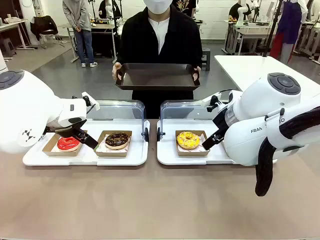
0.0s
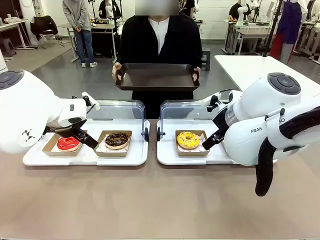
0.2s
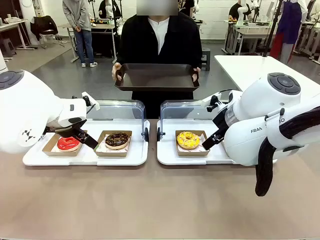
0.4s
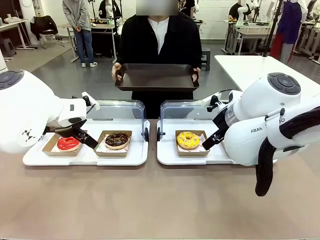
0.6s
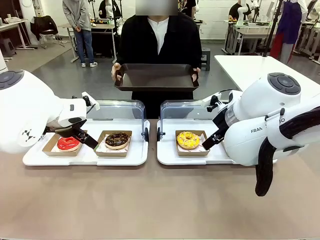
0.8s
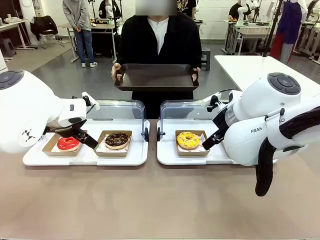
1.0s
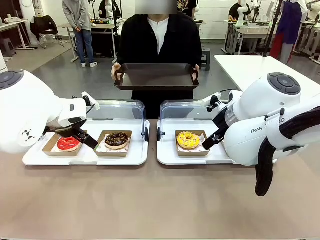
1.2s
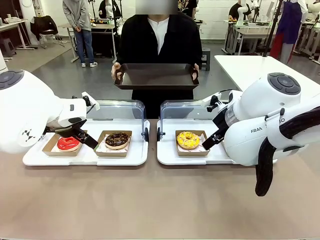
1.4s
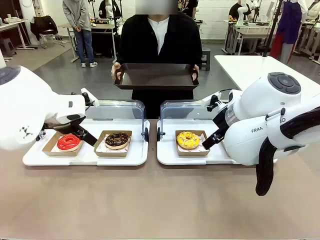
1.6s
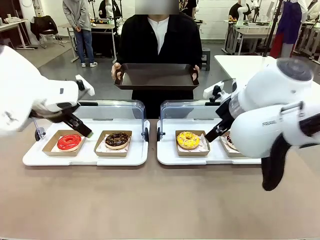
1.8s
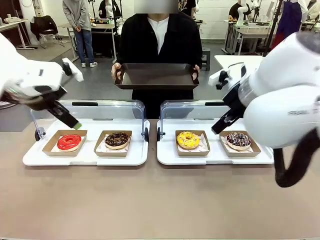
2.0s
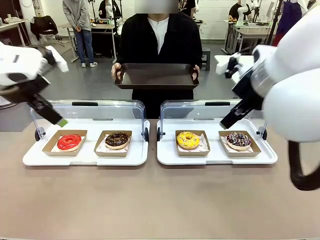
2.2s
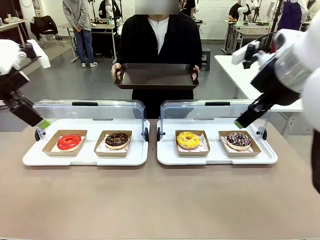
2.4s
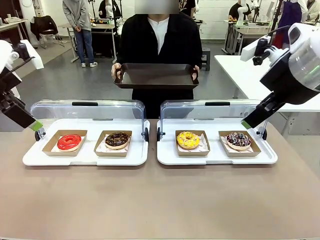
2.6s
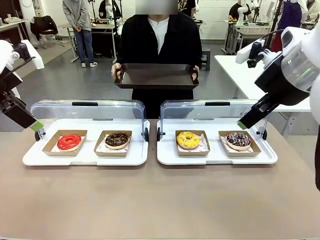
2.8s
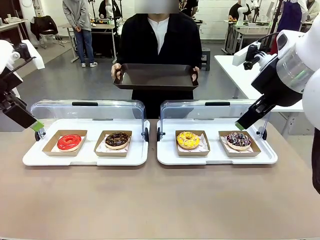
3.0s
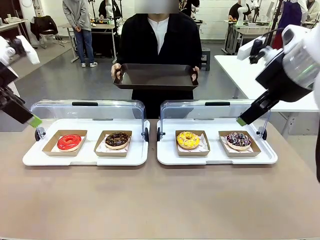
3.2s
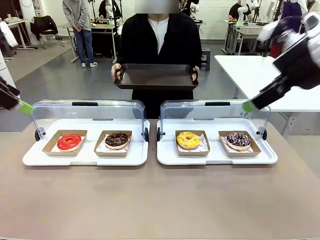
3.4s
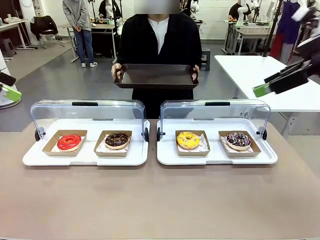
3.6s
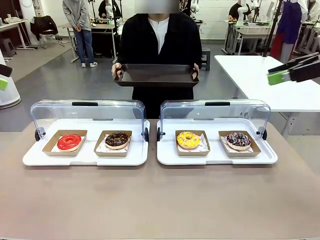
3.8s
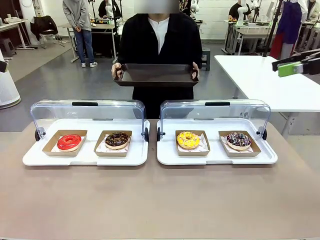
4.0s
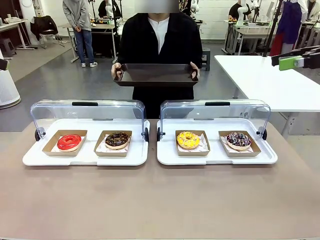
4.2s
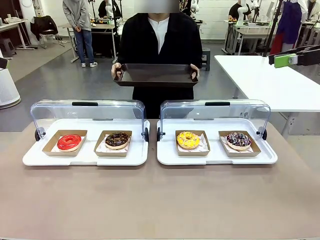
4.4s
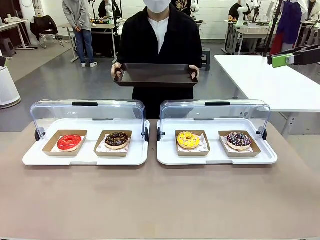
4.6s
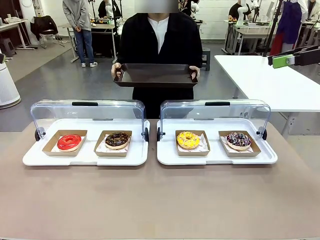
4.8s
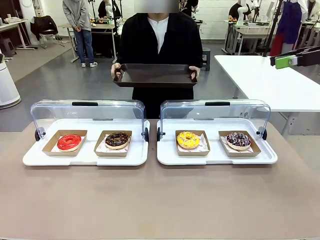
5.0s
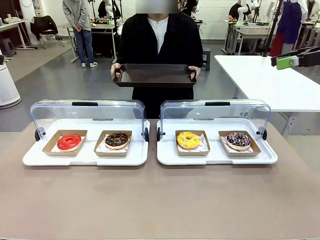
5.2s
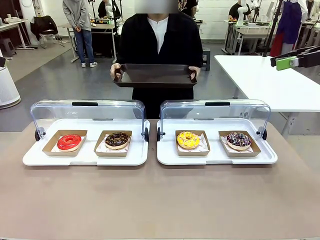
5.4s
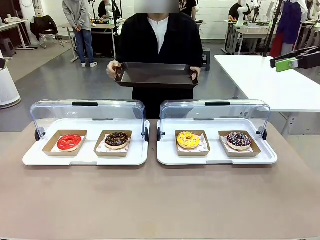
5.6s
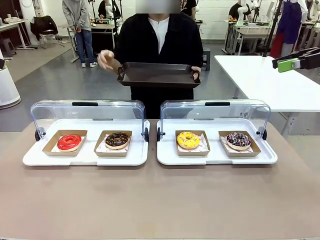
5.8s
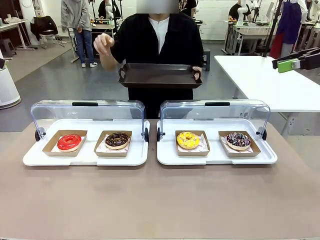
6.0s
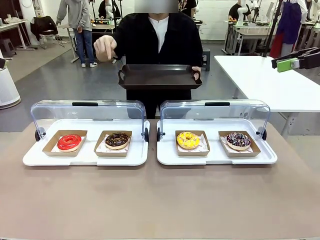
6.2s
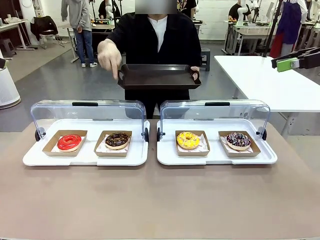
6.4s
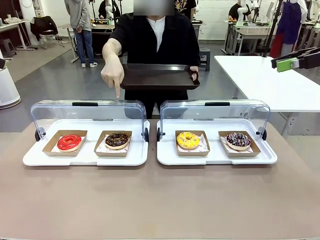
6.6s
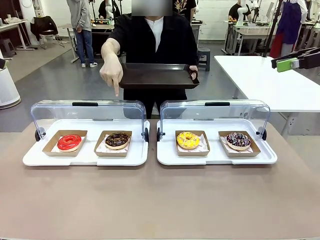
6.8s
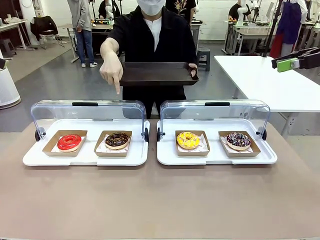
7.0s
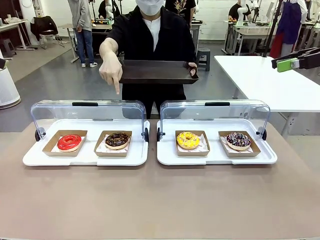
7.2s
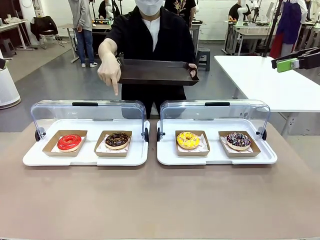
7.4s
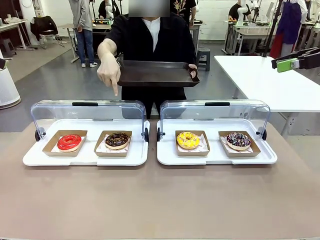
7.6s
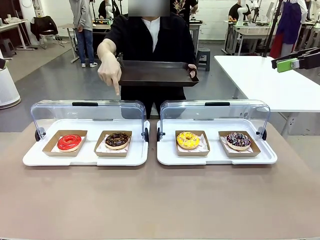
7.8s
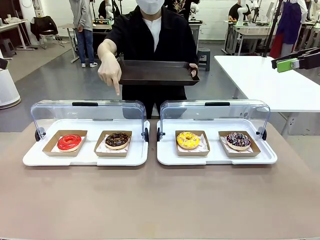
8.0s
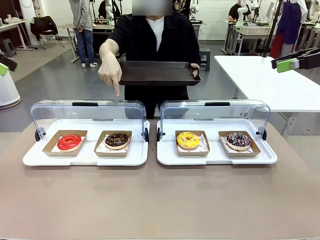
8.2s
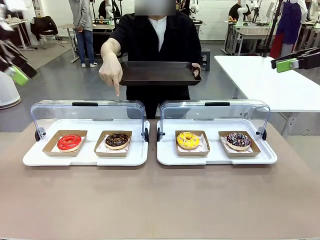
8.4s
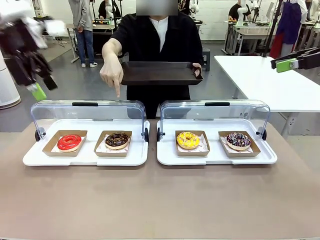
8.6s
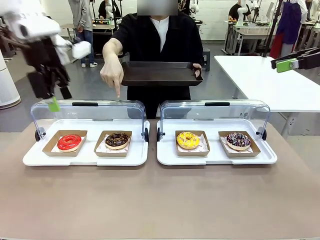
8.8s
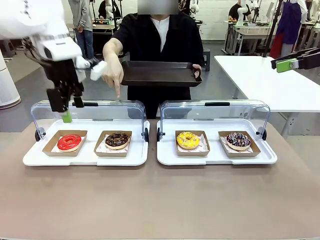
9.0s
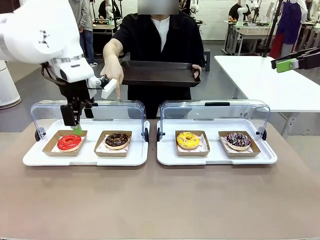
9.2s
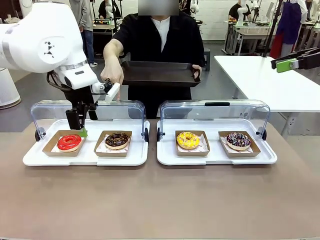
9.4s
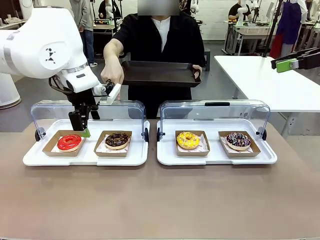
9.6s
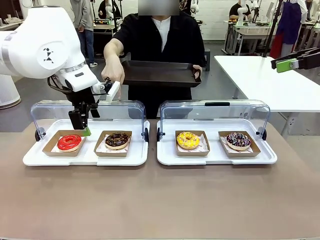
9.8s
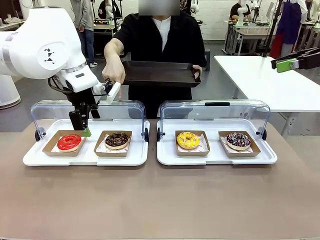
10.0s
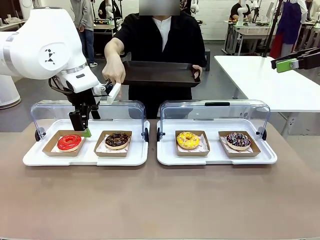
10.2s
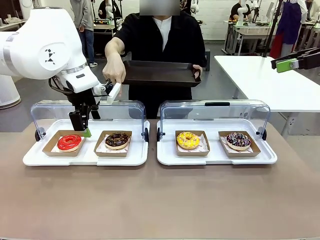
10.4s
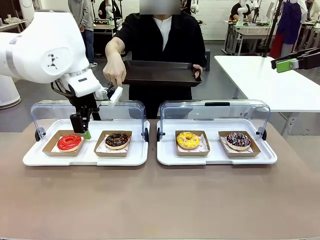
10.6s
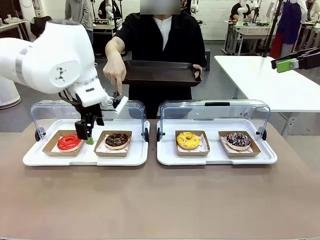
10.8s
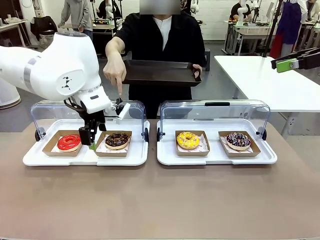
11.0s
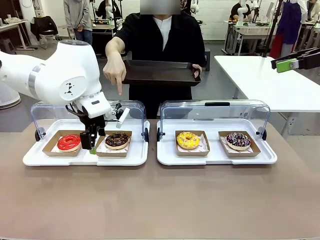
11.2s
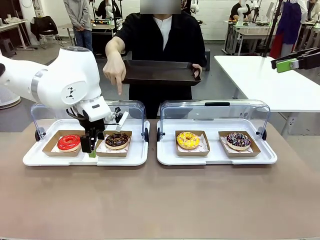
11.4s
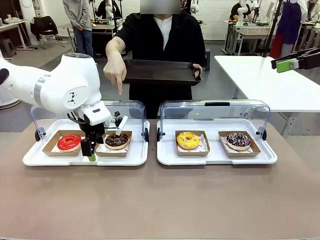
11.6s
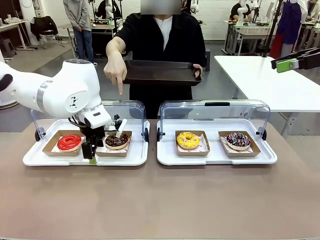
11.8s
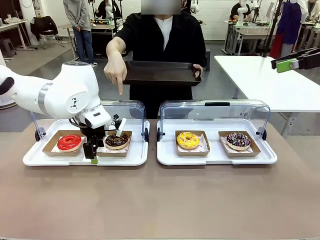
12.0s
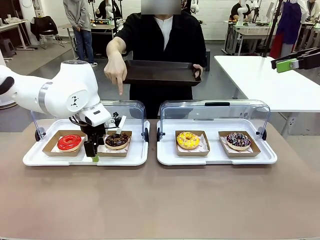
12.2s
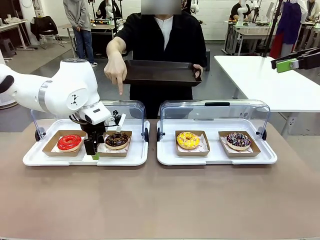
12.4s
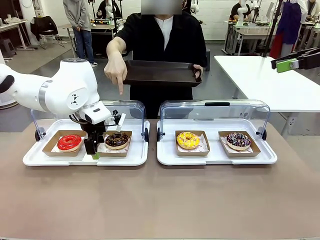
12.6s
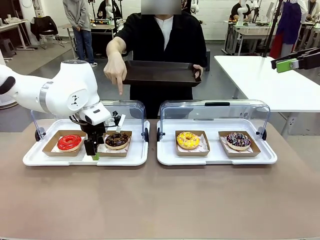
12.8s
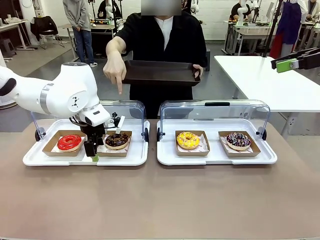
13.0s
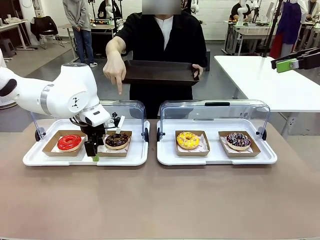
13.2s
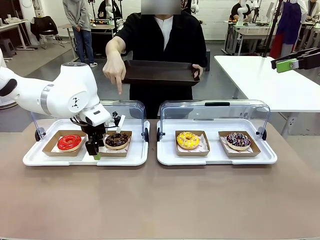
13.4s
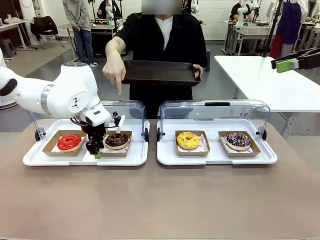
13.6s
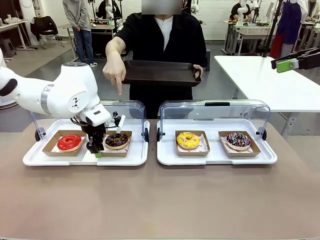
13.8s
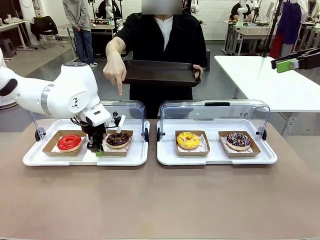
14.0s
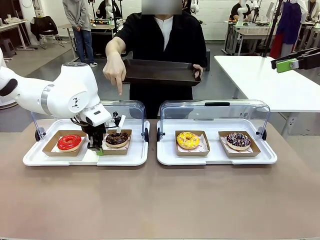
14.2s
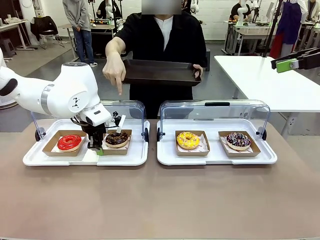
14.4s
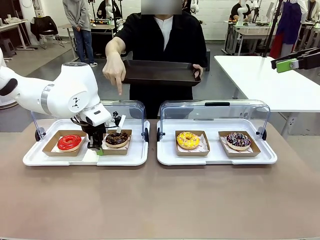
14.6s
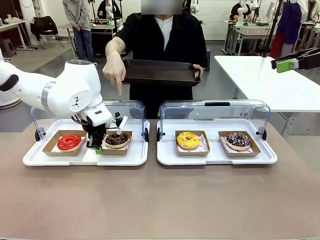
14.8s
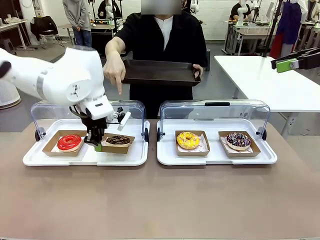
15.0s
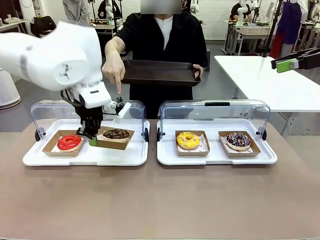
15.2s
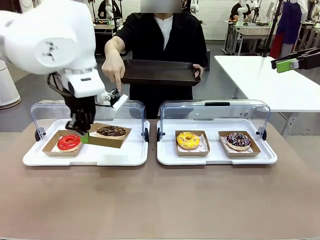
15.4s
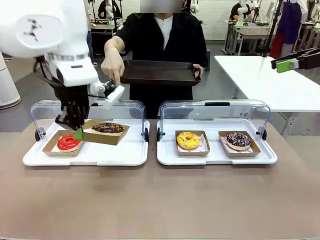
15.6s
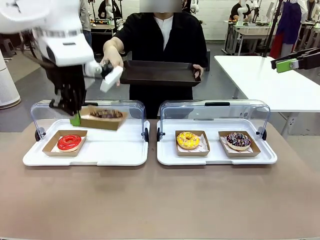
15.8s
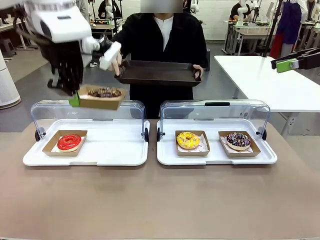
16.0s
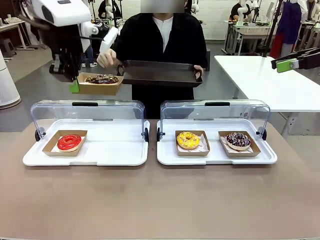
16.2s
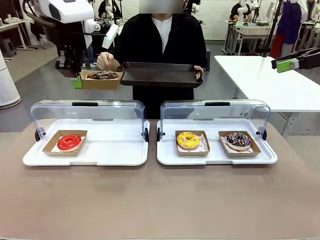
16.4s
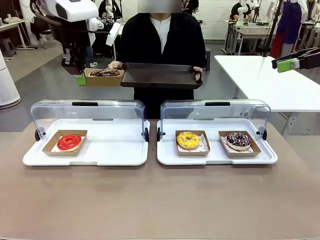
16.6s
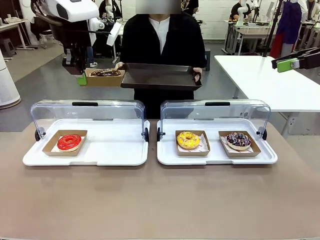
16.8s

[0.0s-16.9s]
Task: Provide the desired donut to the person.
Robot: Pick up and lift the Paper togo box containing the Donut pointed at by the person.
Person: Point to one donut. Lift the tray onto the Roll-Top Bakery Case.

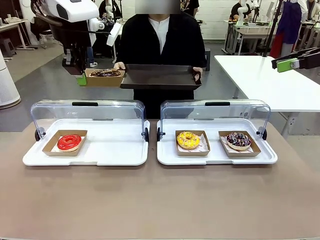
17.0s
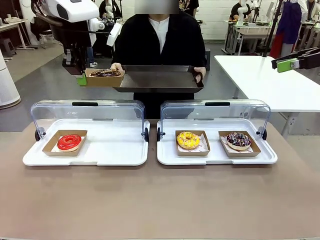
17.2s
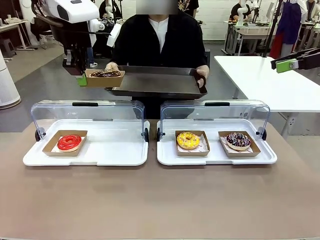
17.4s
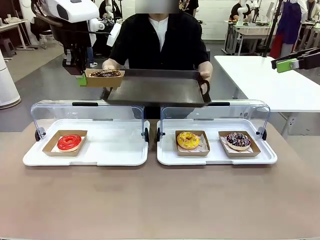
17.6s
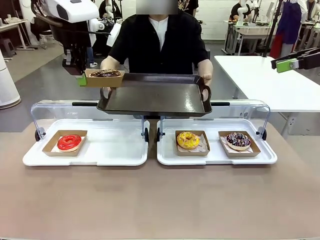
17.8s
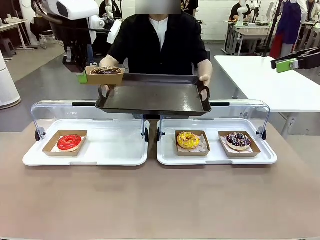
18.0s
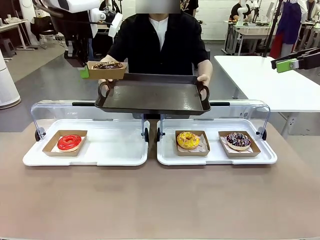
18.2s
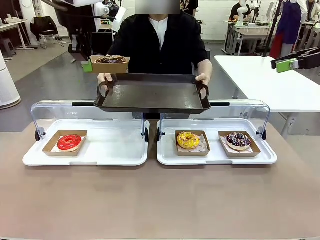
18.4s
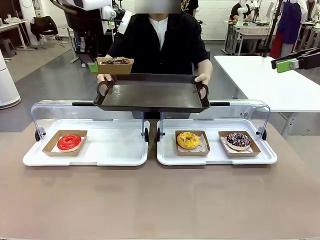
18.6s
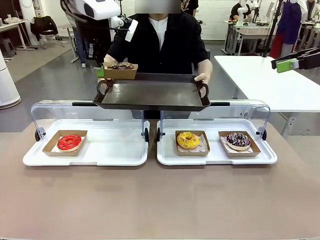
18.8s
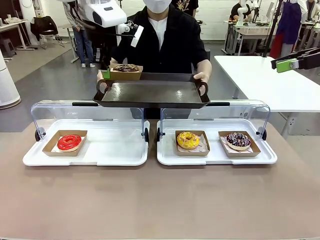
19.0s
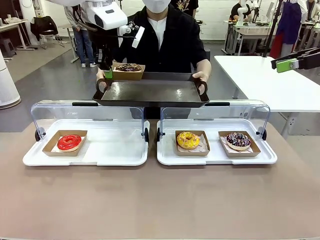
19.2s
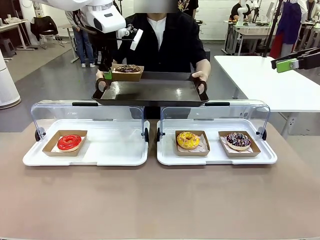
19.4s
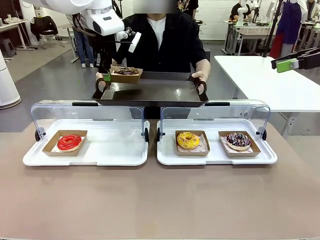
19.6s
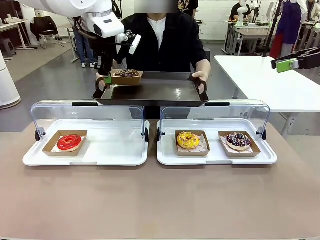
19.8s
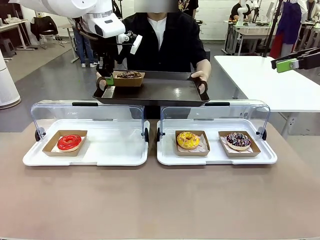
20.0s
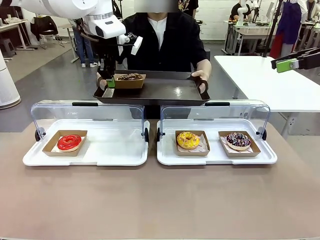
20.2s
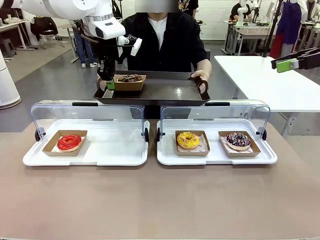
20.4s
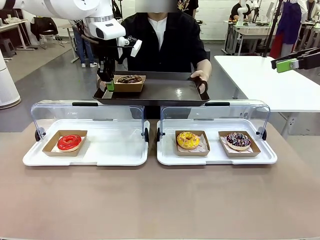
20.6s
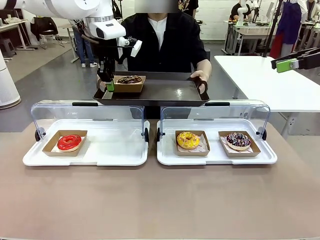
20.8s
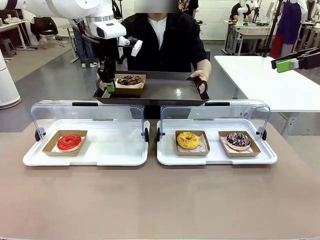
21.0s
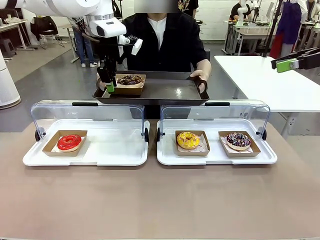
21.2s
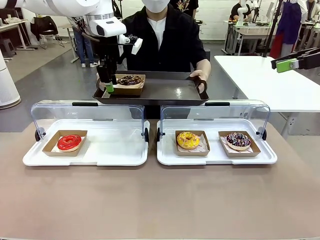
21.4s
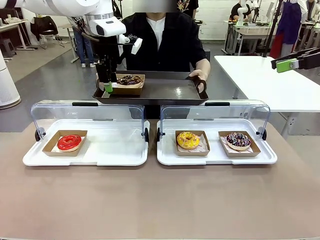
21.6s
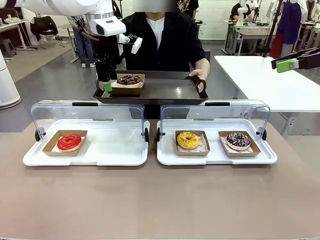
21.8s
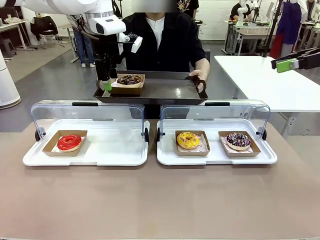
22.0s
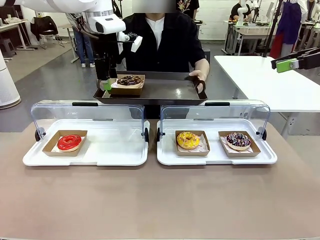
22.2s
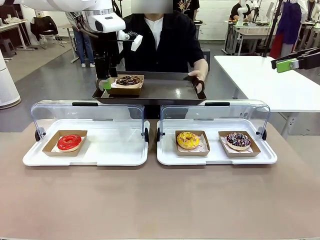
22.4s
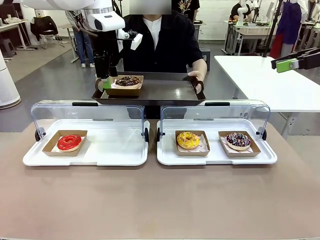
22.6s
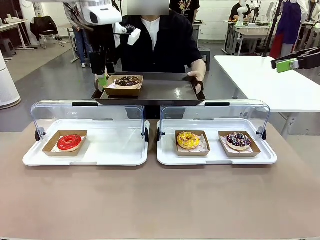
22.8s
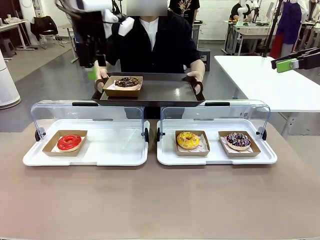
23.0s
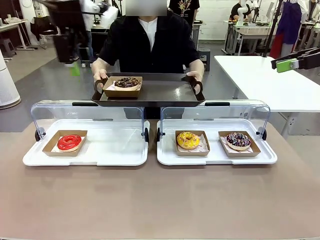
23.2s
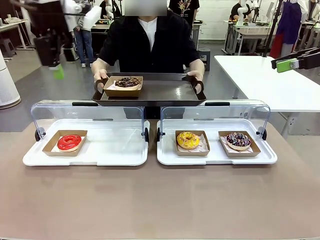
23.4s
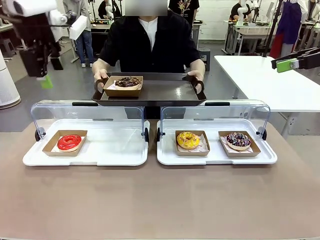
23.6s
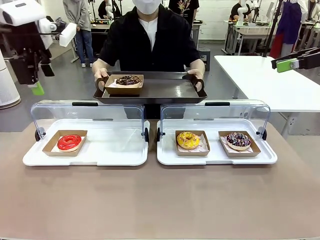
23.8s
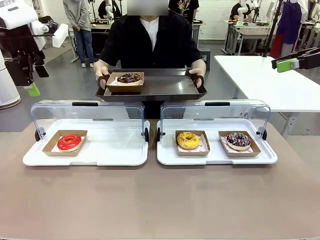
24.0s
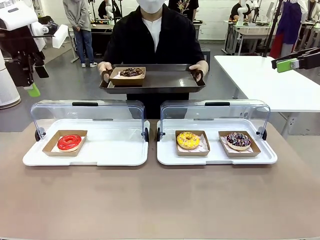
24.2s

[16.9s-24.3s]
Robot: Place the picked Paper togo box onto the Handle tray extended by the person.
